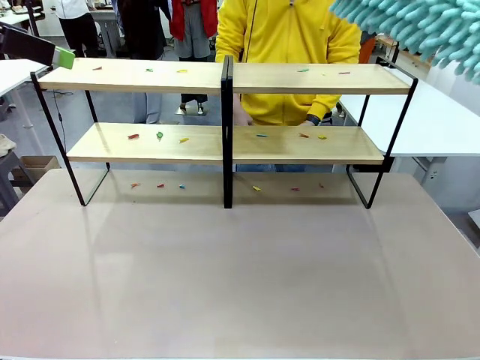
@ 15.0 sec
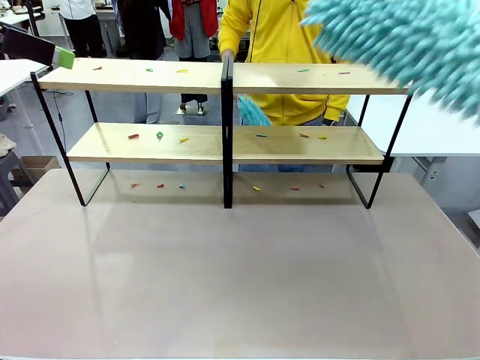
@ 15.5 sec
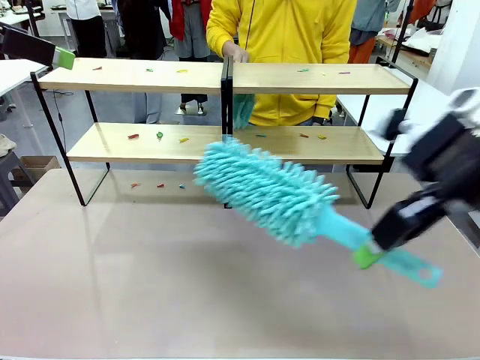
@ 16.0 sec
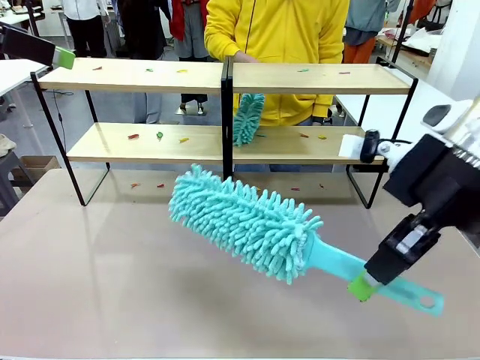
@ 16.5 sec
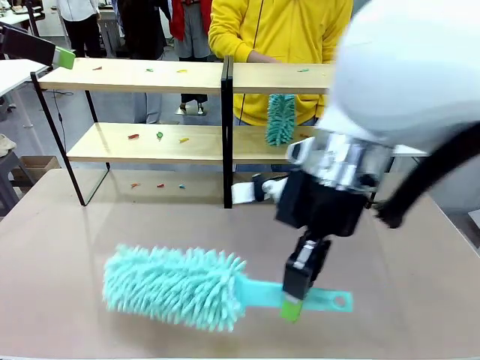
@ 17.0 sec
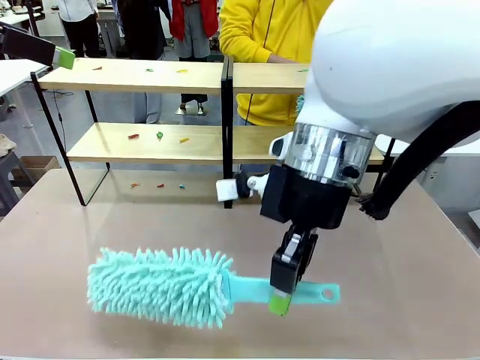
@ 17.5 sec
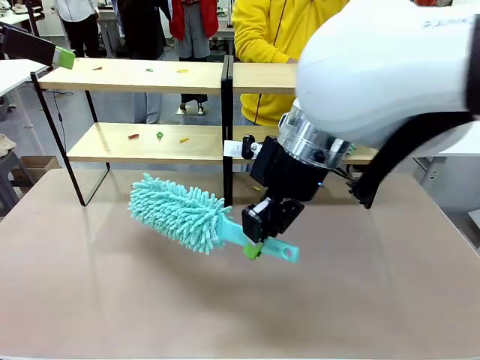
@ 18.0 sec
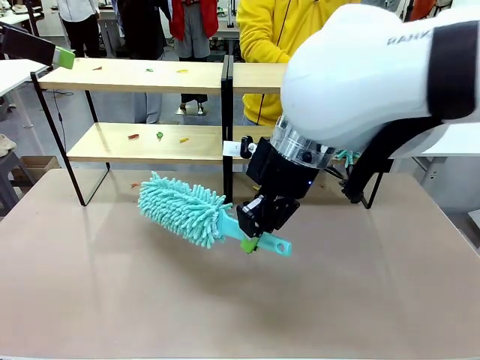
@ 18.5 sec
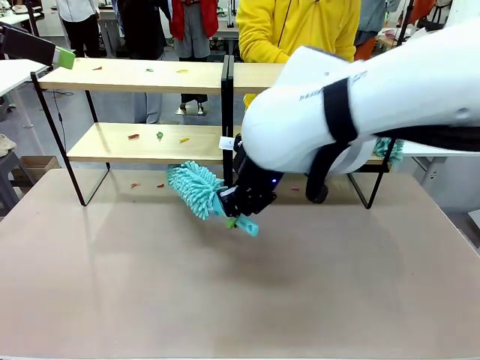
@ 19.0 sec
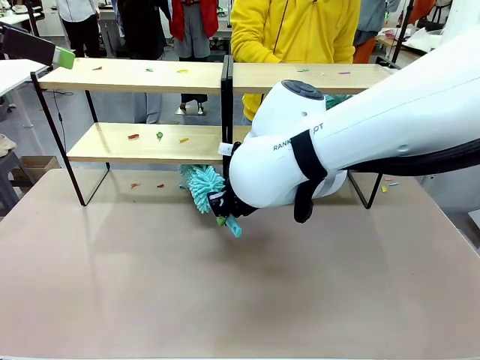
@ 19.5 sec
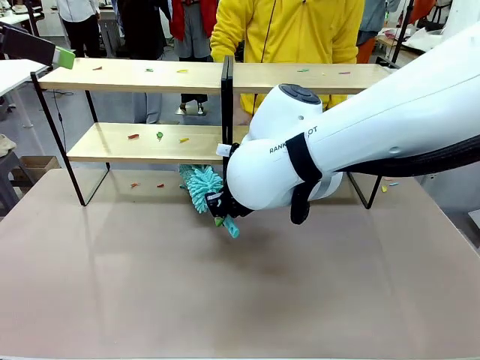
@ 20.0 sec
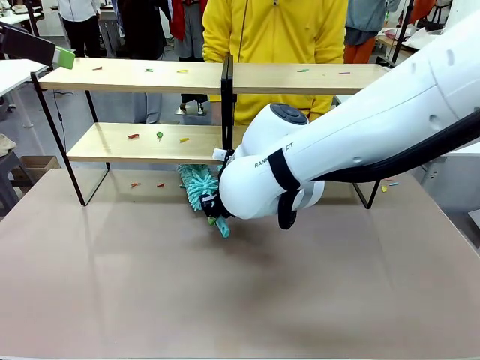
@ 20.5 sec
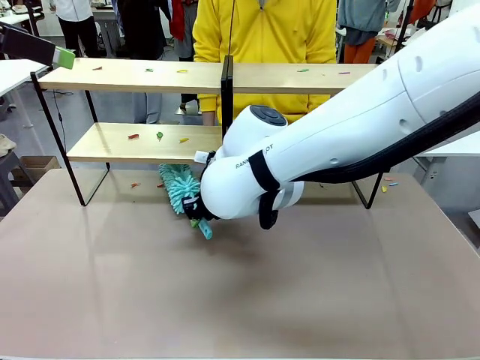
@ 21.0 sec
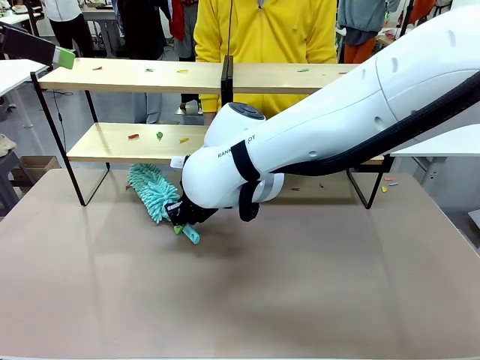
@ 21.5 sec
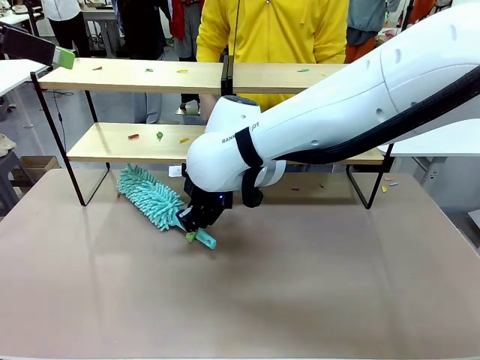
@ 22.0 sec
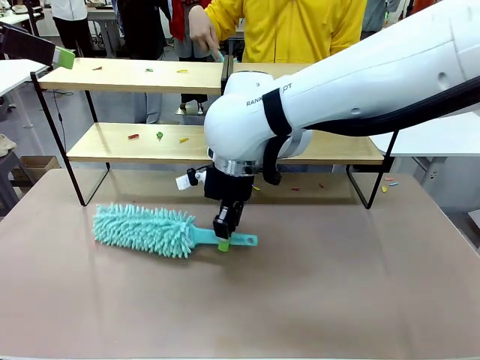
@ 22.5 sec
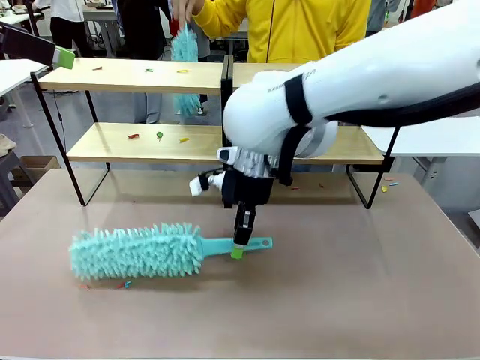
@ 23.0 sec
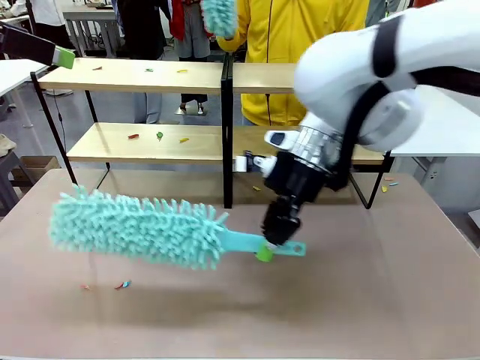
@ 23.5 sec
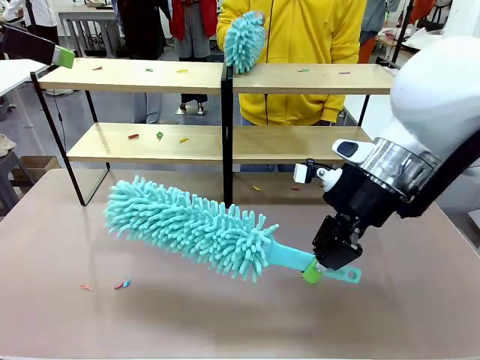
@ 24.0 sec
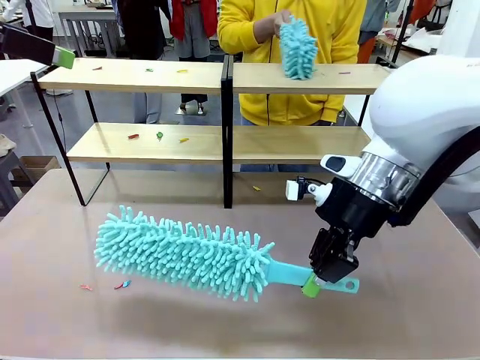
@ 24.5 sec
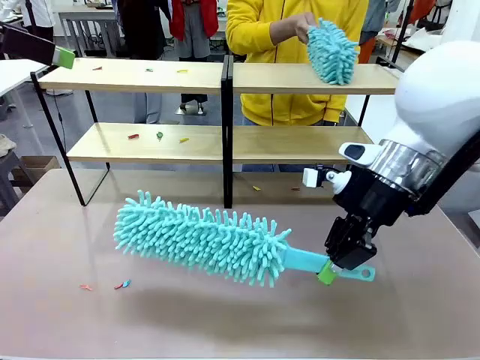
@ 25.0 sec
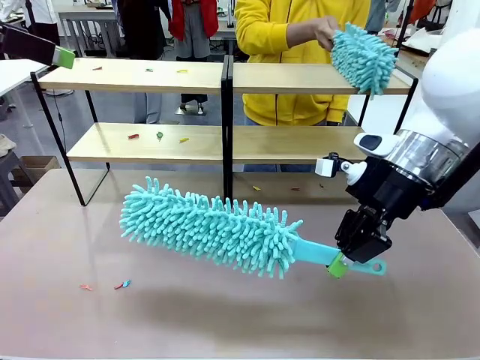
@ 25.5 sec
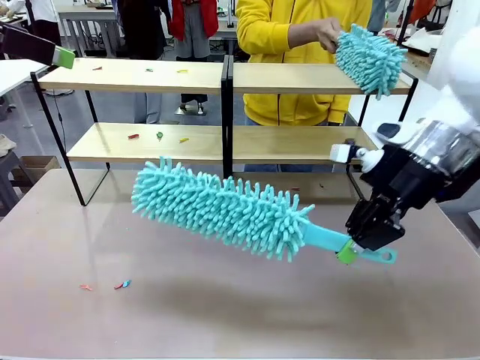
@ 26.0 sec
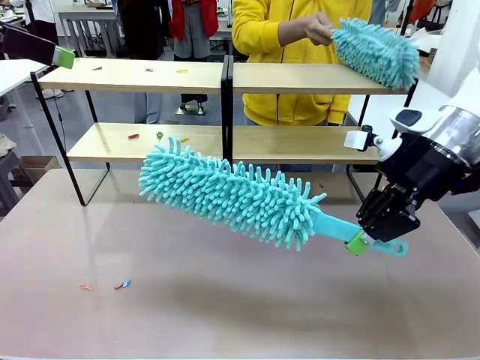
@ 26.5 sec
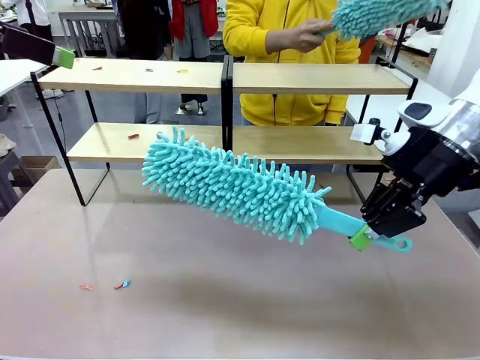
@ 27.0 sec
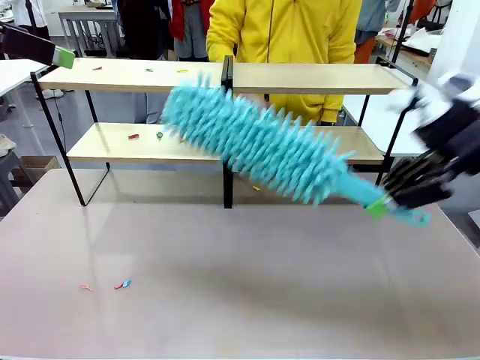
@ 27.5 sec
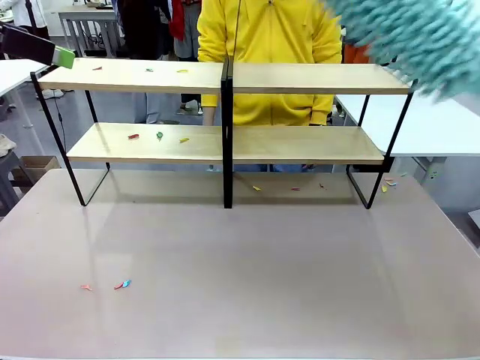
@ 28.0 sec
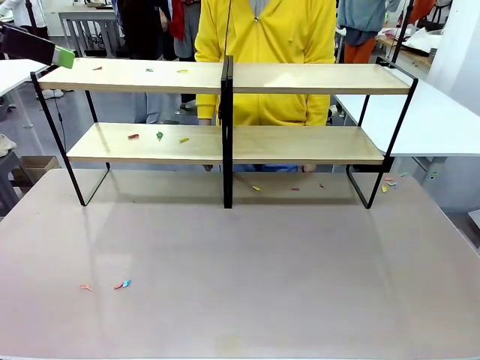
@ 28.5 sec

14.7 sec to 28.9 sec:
Task: Clean the shelves.
Robot: Clean a randomly selected level of the Shelf with the Duster.

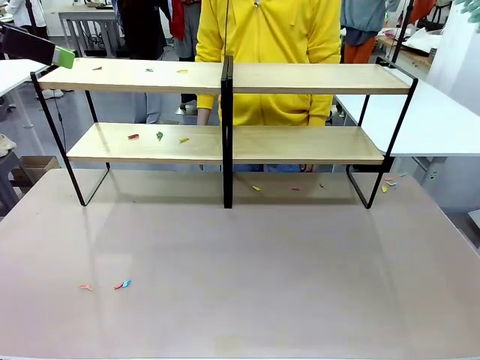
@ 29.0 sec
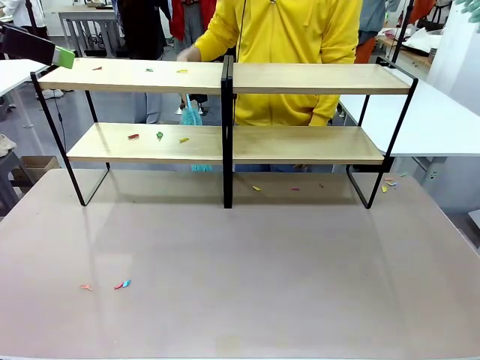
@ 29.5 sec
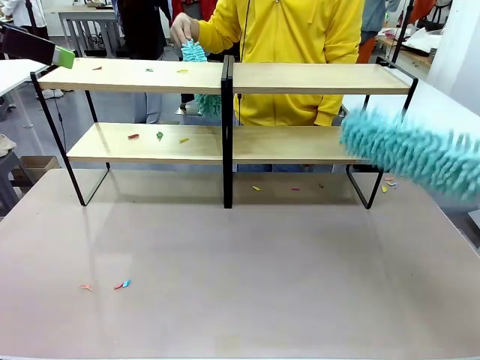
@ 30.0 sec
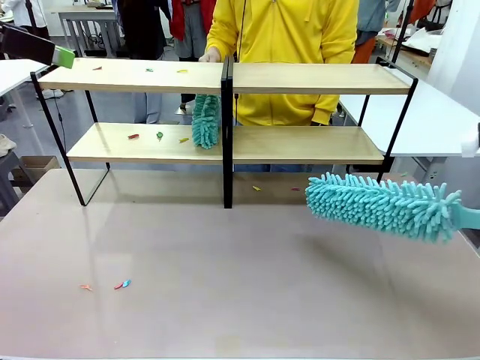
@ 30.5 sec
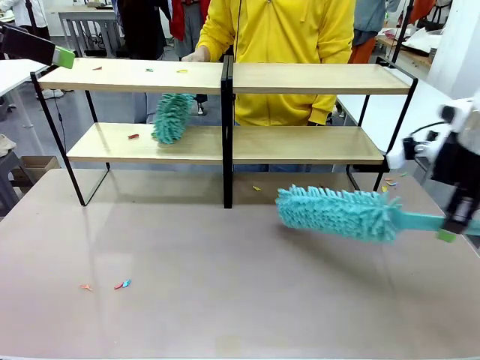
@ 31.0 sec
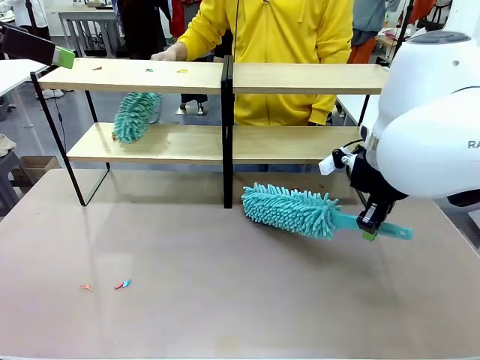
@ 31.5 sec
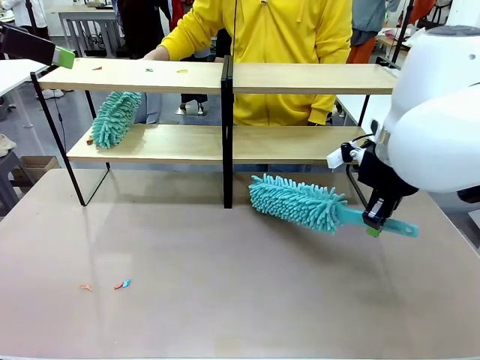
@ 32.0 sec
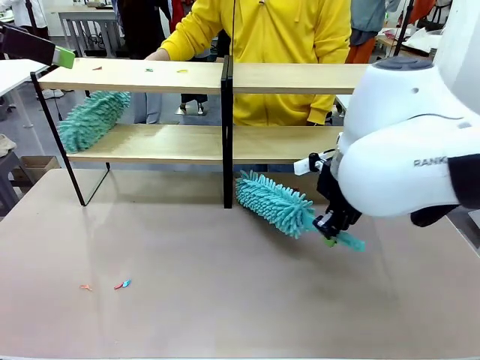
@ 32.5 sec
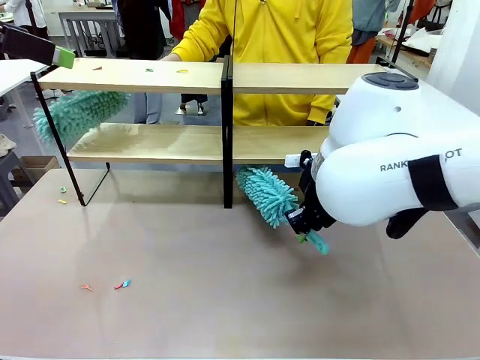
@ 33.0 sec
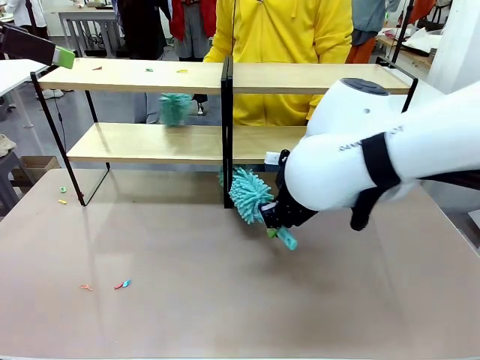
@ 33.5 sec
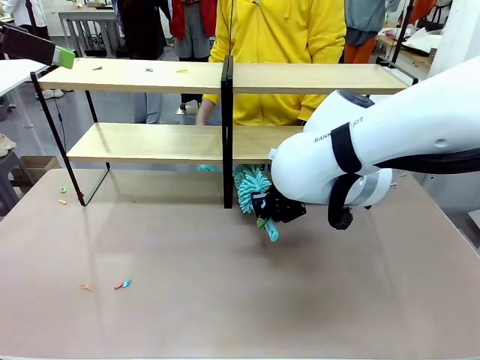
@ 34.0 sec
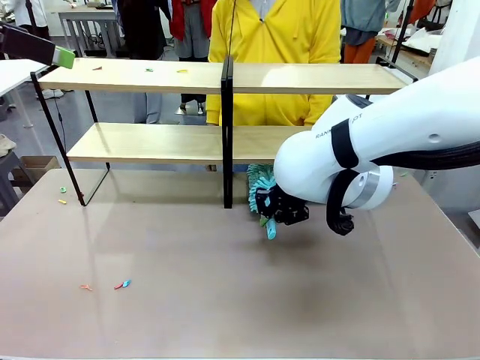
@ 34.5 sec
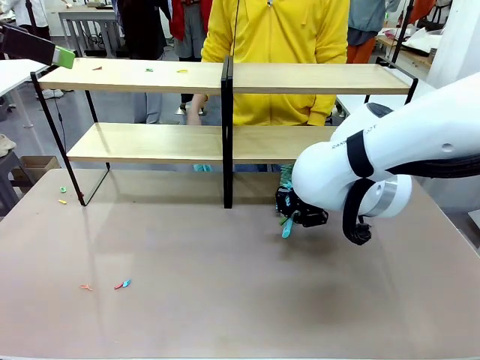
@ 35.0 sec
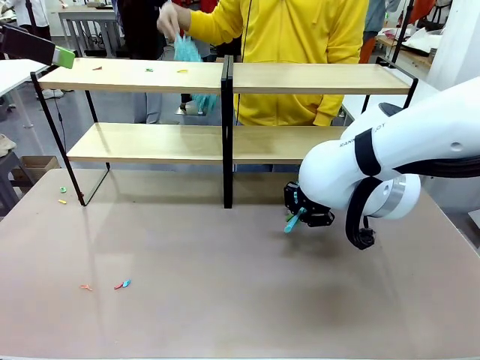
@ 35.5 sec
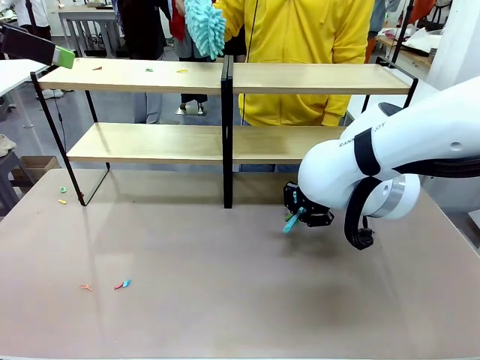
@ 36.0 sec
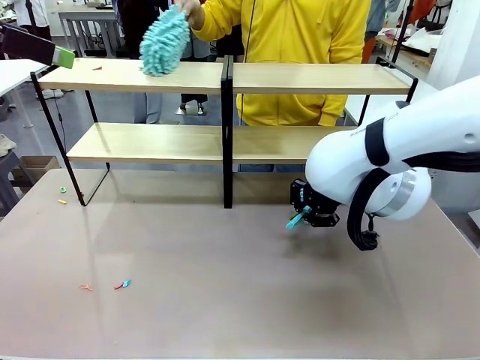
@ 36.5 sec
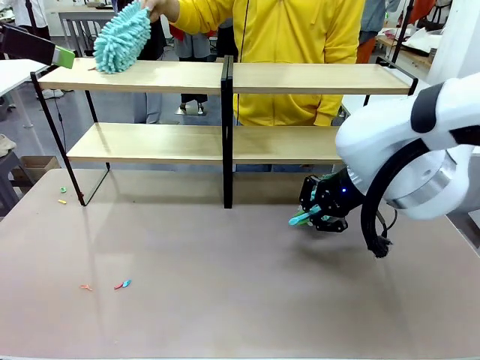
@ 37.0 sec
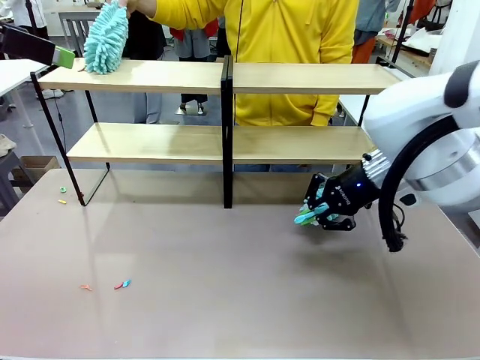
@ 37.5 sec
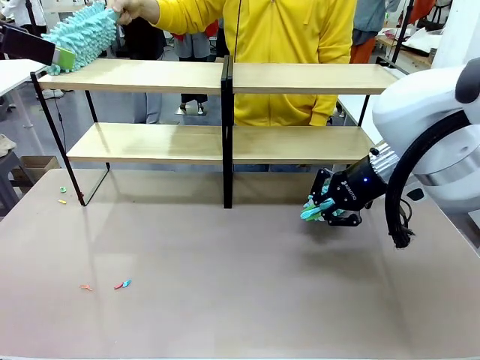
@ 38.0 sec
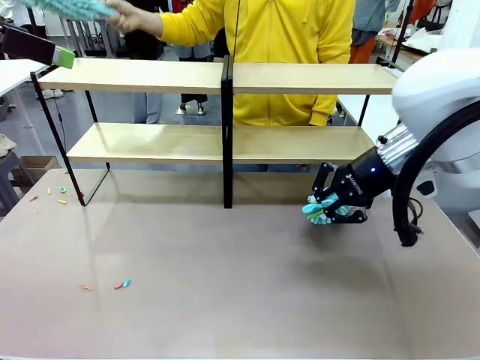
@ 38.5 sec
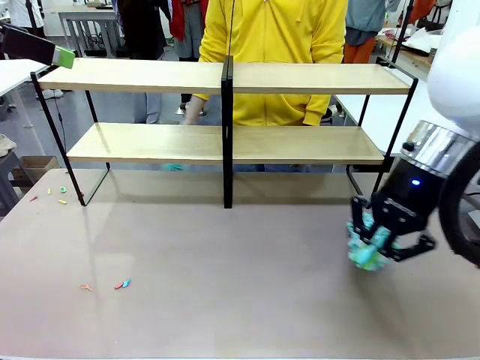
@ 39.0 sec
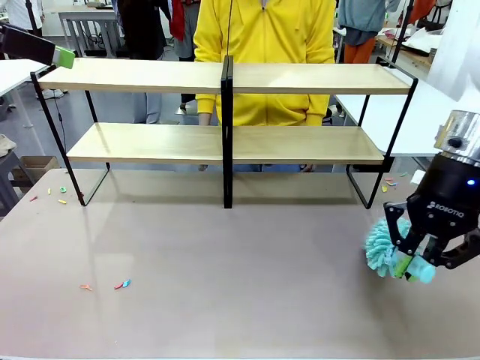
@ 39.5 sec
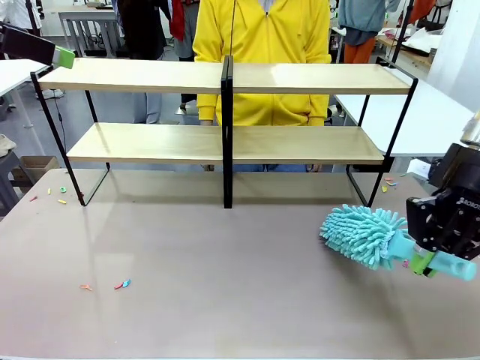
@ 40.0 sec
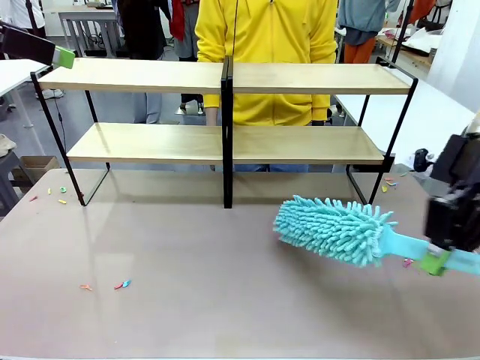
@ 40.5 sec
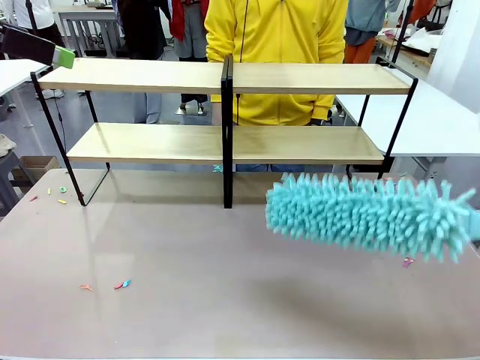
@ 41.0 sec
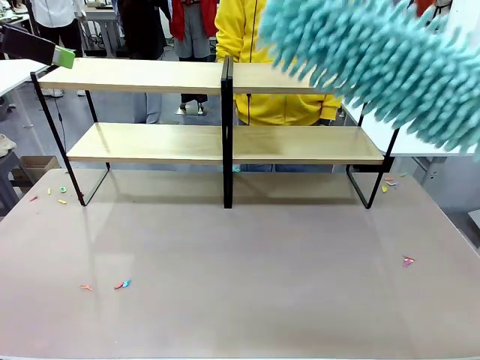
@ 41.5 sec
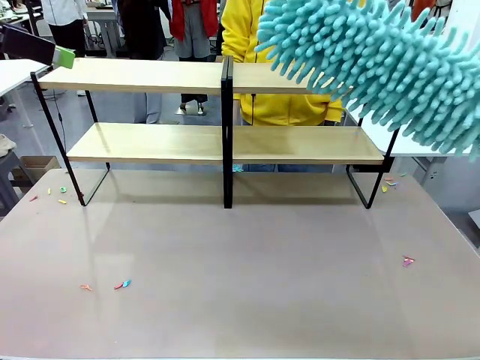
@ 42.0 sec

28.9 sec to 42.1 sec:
Robot: Clean another randomly selected level of the Shelf with the Duster.
